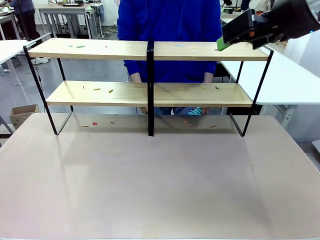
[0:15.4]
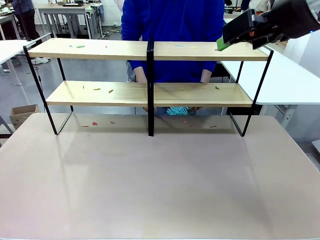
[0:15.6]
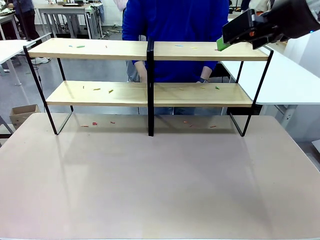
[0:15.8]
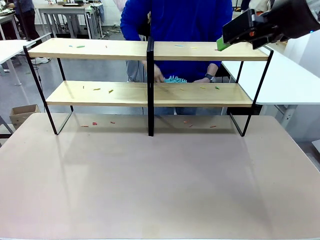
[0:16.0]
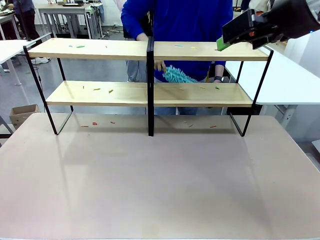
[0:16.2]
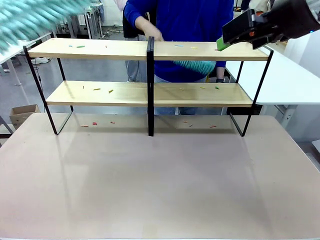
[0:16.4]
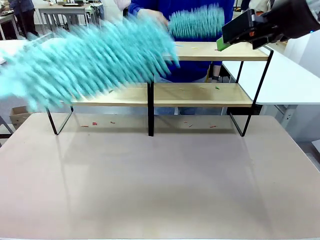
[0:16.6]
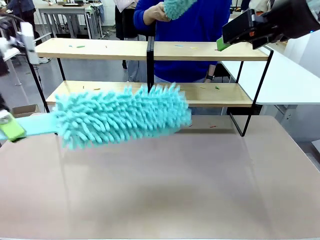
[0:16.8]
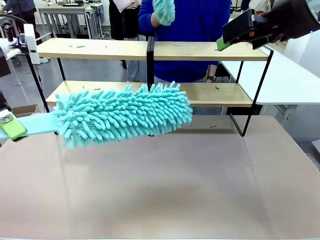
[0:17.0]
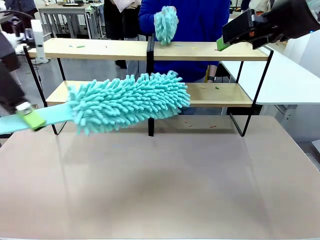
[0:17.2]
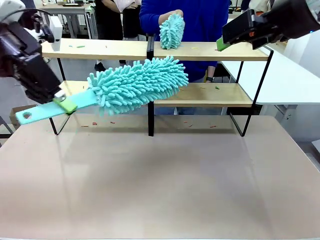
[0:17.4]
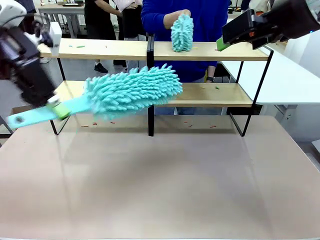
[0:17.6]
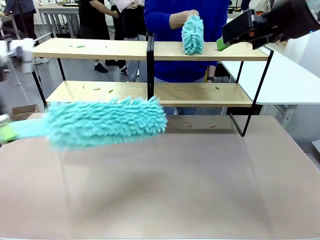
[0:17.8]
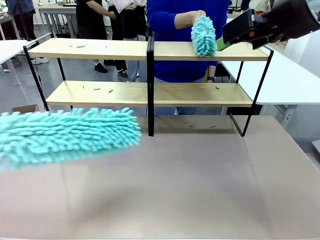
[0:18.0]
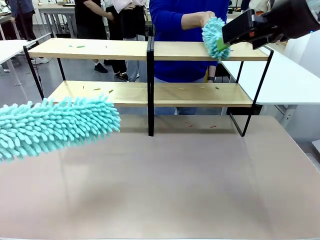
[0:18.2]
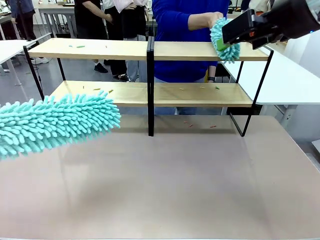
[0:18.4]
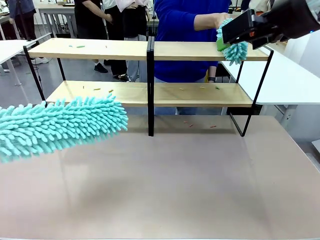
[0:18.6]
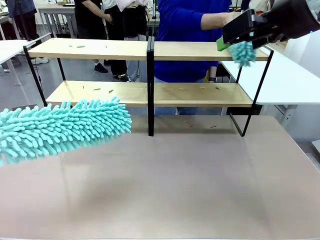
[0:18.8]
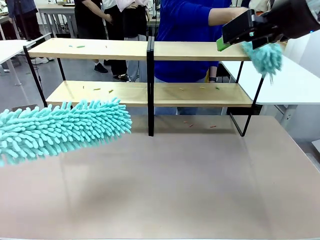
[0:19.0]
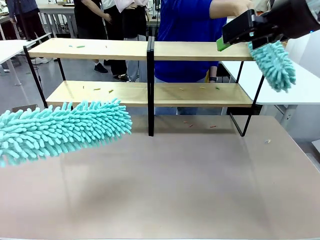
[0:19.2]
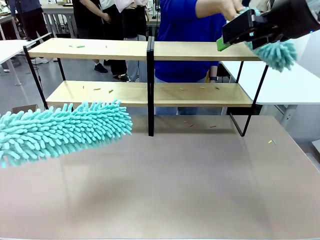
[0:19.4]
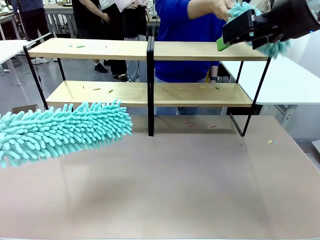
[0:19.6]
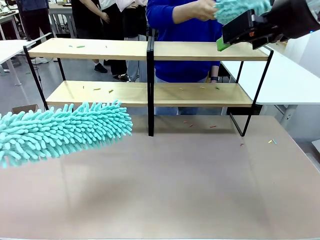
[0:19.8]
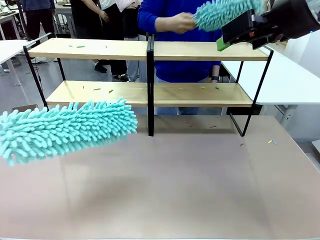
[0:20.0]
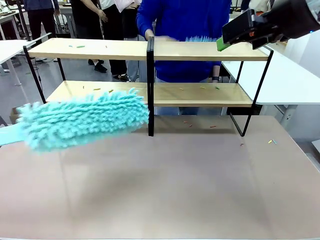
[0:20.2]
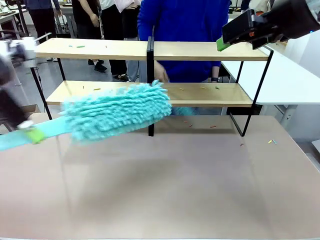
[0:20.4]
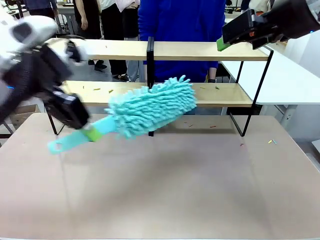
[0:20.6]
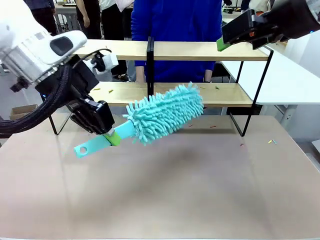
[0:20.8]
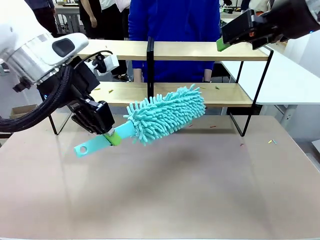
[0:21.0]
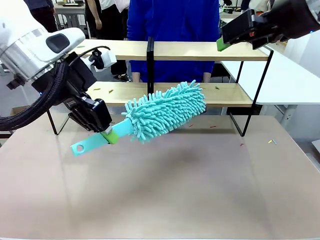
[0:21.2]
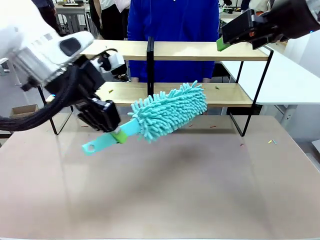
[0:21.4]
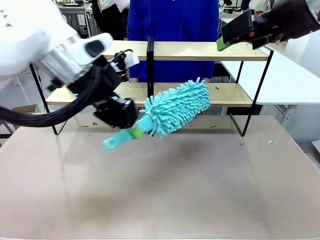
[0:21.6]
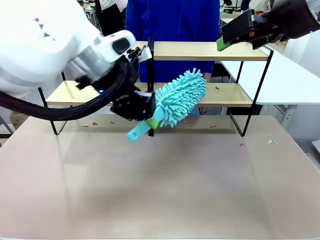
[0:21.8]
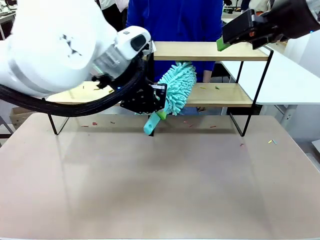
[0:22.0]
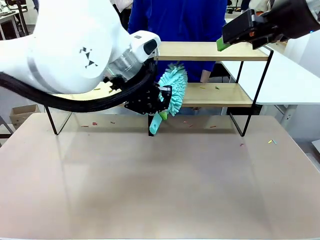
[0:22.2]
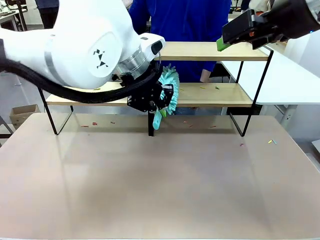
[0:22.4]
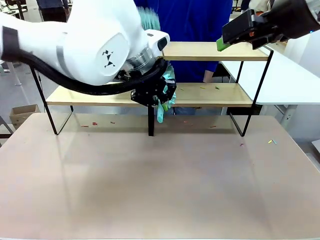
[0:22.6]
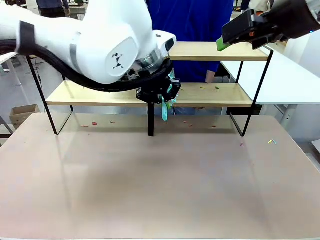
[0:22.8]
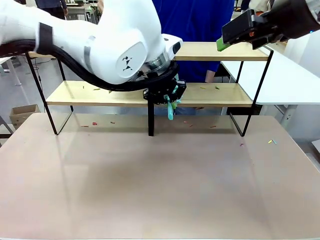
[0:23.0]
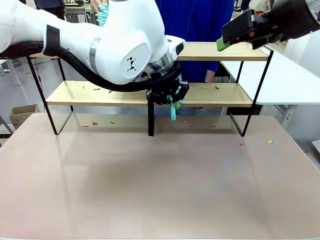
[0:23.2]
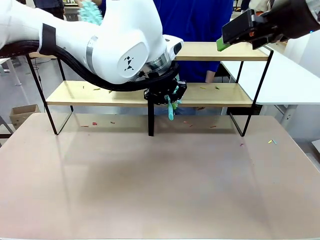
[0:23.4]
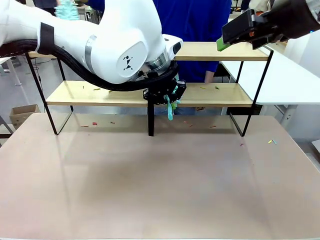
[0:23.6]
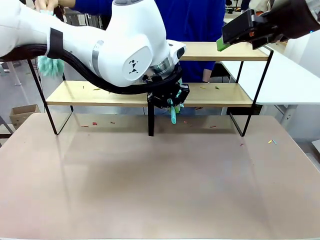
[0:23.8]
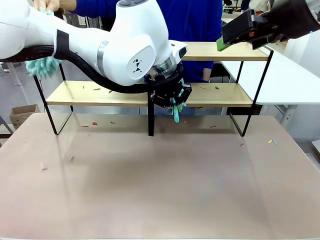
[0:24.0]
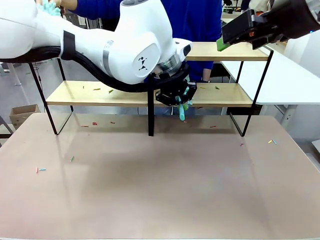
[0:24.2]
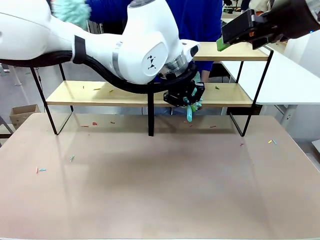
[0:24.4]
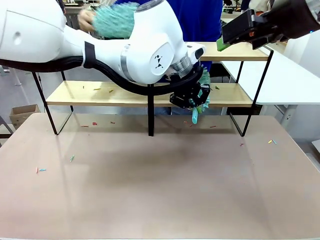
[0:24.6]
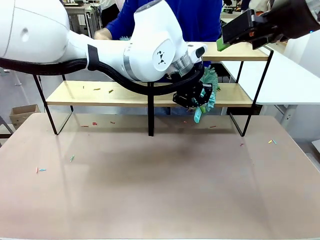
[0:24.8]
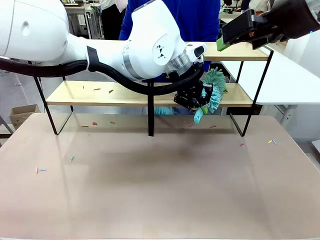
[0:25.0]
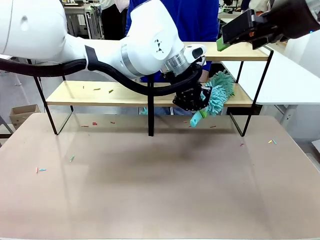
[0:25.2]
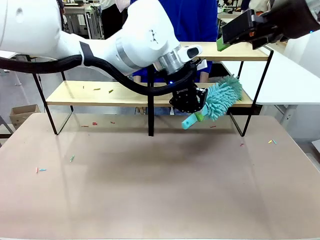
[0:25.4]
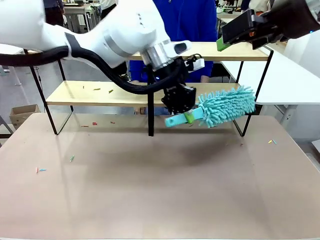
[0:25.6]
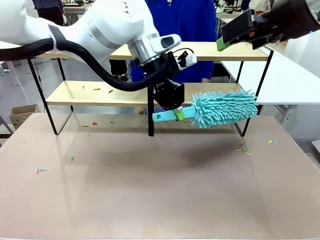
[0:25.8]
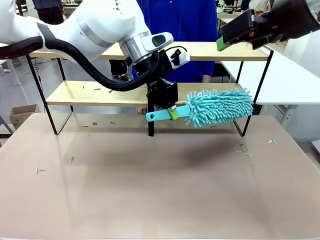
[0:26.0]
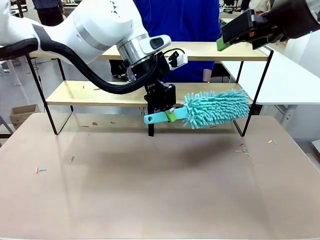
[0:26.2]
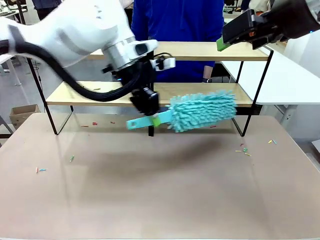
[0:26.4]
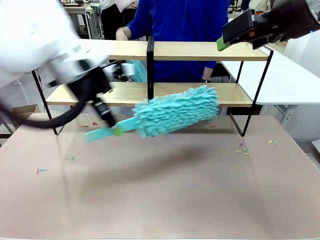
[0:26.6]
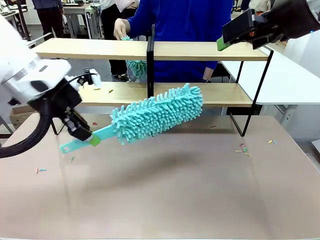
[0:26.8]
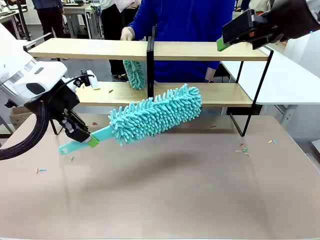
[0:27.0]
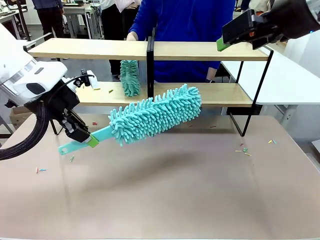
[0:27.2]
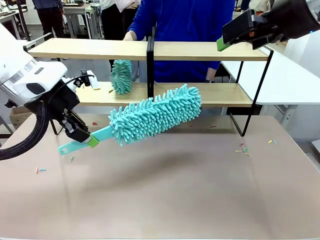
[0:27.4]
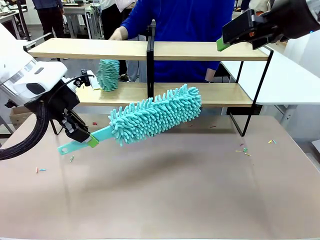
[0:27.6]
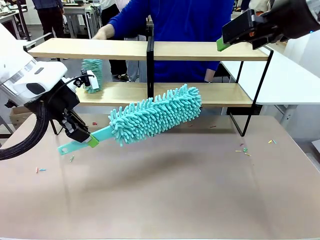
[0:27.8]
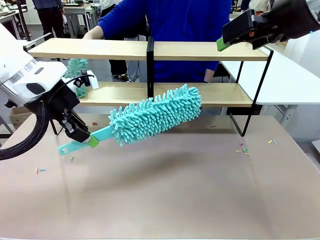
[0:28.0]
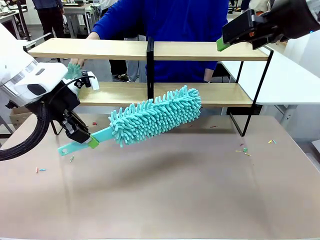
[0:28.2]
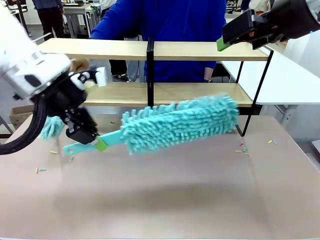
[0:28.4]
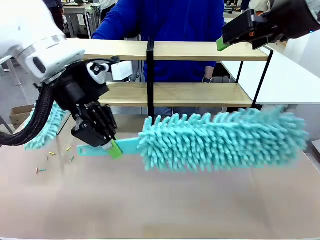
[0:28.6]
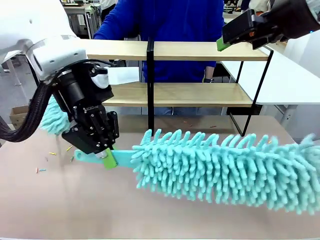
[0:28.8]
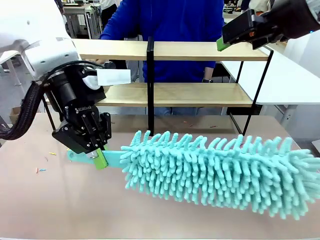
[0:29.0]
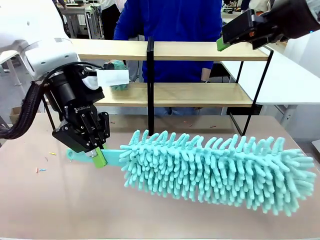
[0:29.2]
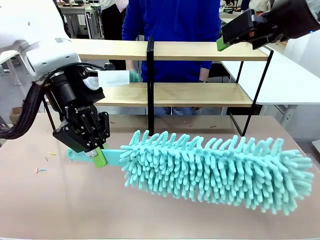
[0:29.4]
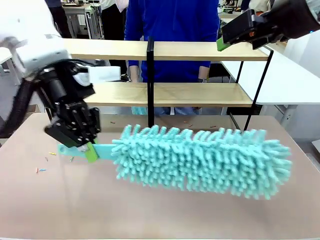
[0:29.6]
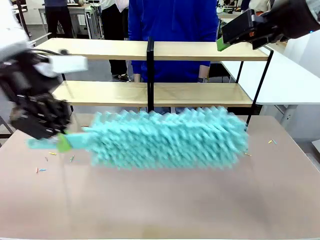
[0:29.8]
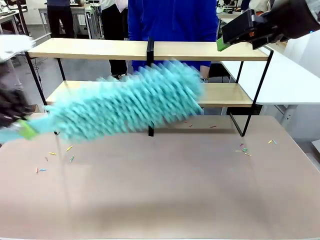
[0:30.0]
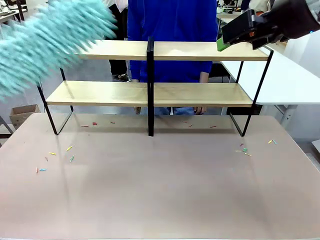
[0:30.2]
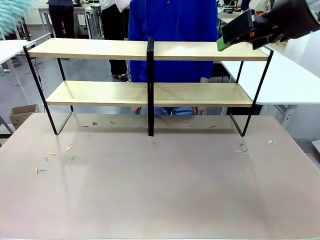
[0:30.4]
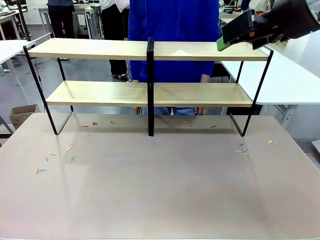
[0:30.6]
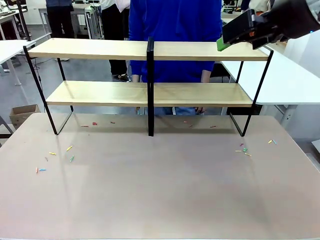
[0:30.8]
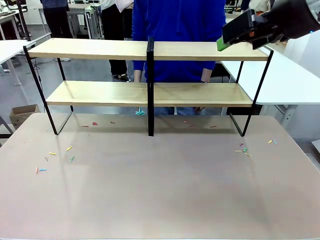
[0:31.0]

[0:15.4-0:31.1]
Task: Clean the shelves.
Robot: Clean a randomly selected level of the Shelf with the Duster.

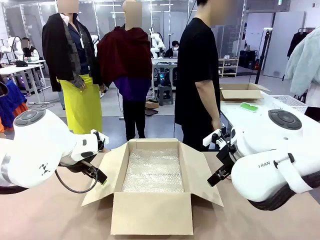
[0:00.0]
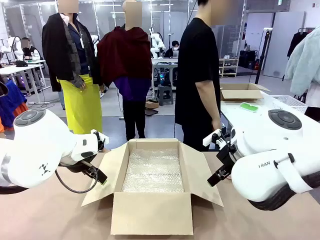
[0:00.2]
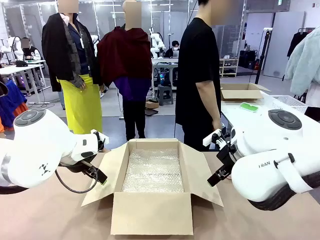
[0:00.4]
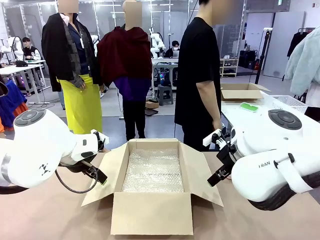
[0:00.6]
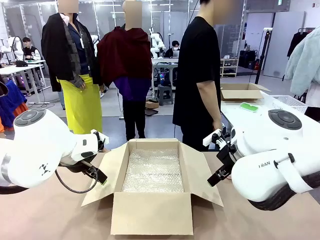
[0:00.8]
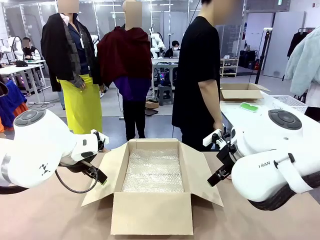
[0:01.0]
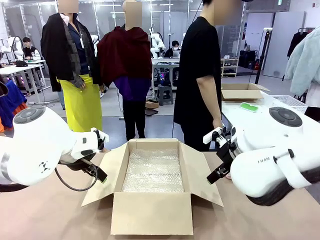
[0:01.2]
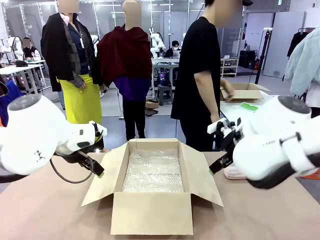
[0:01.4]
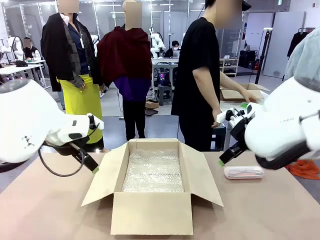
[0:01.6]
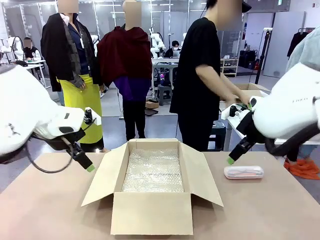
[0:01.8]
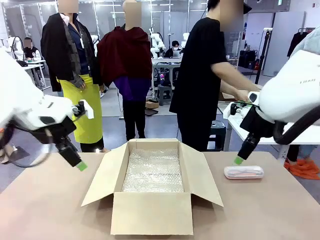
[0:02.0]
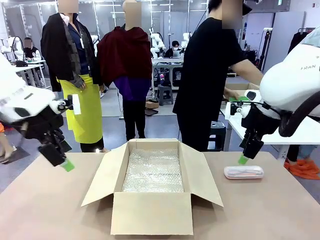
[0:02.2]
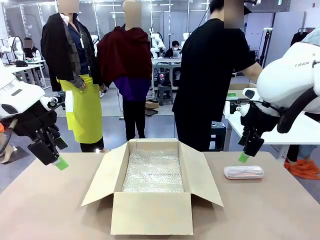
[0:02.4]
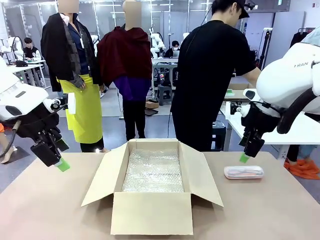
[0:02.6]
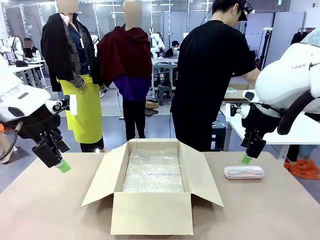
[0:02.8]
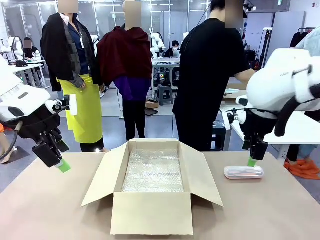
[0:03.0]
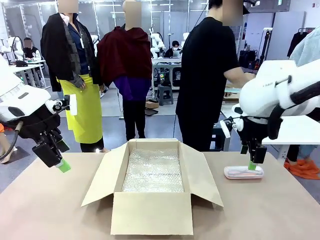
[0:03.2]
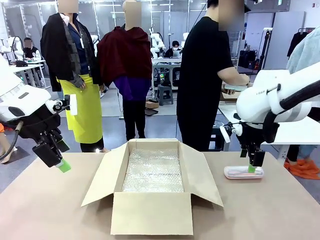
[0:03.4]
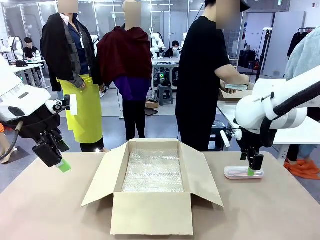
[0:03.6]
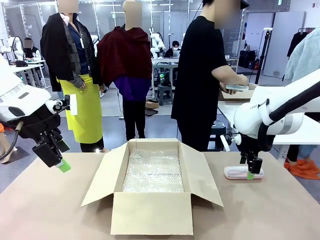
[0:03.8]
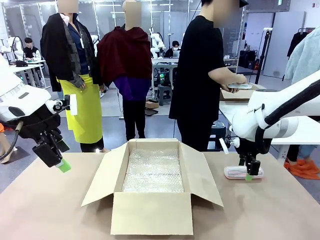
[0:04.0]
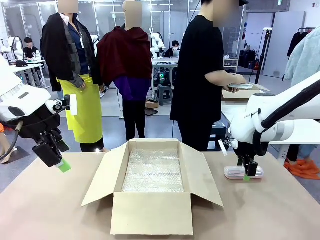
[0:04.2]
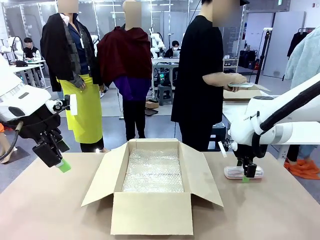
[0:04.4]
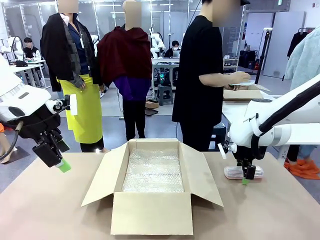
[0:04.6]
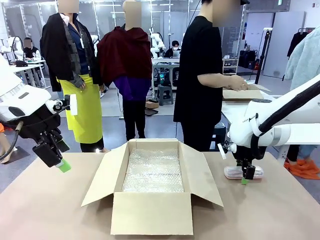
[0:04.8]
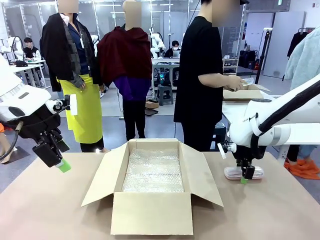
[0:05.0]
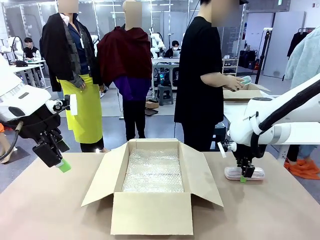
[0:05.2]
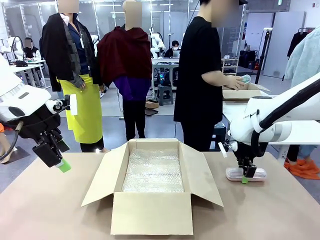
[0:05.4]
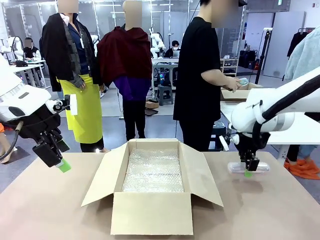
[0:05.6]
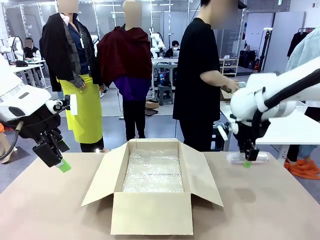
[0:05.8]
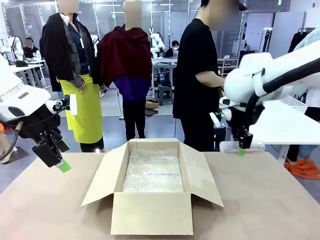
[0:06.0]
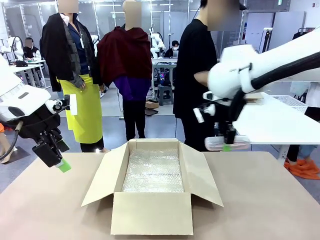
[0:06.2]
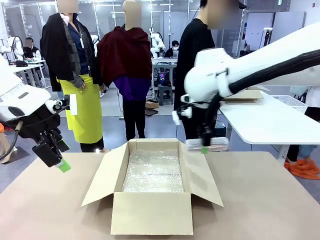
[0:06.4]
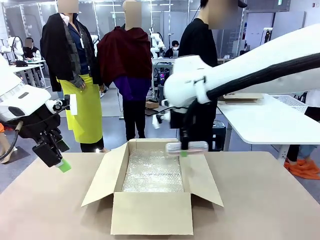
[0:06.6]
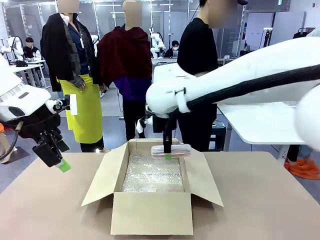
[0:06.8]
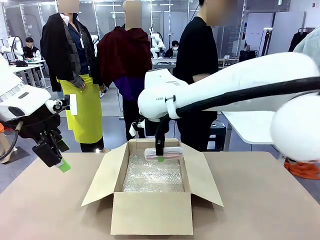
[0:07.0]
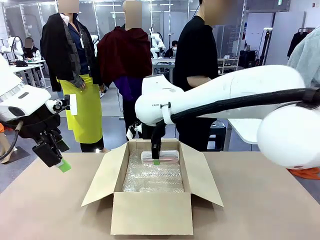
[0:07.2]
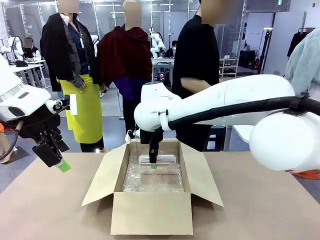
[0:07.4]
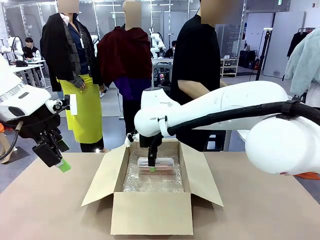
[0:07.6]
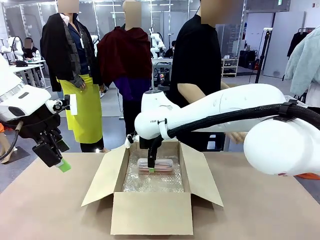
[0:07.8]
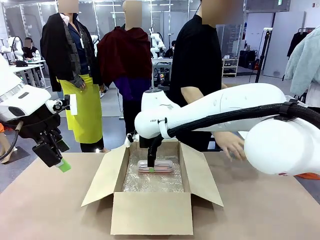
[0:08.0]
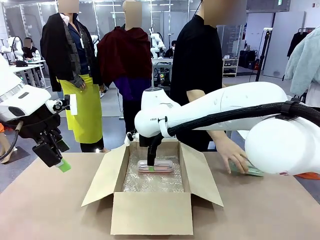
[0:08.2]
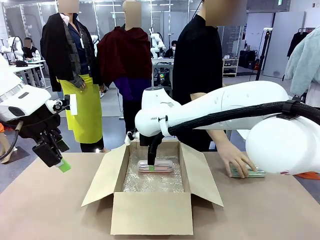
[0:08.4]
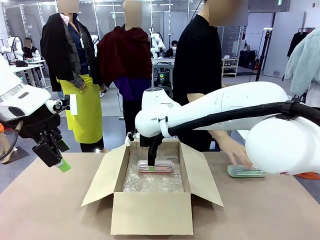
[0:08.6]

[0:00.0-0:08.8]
Task: Pack the glasses set securely to prepare it for shipping.
Robot: Place the Glasses case inside the Package Box.
Person: Place the Glasses inside the Glasses case. Position the Glasses case on the left side of the robot's table.
